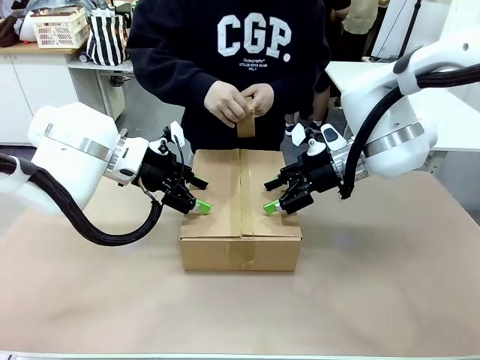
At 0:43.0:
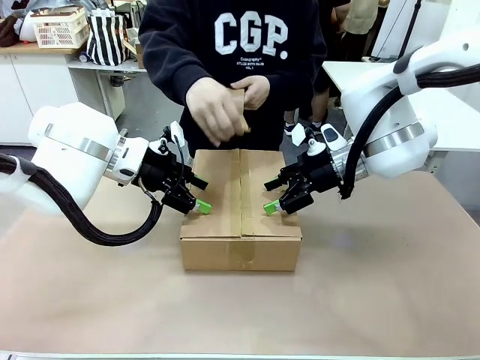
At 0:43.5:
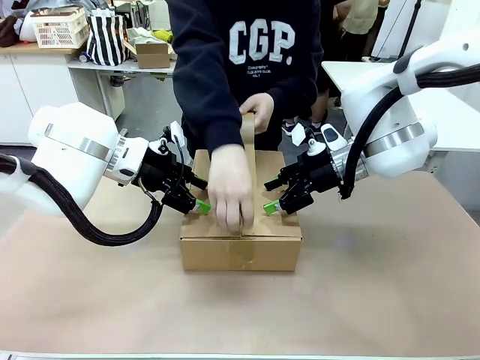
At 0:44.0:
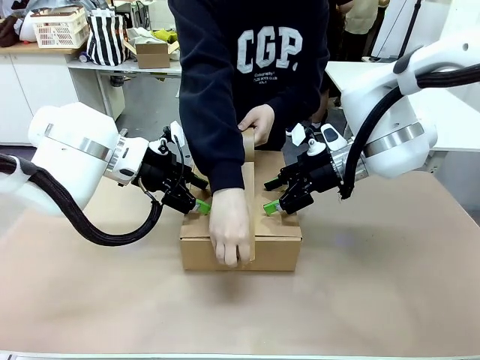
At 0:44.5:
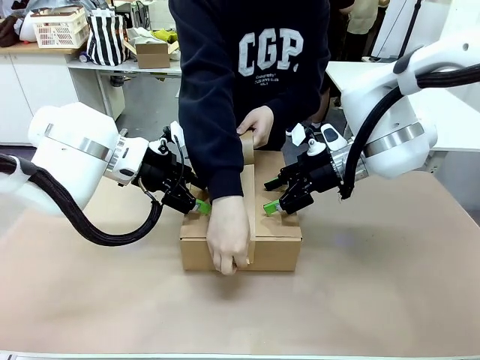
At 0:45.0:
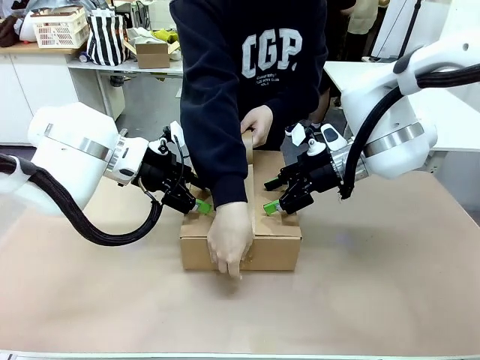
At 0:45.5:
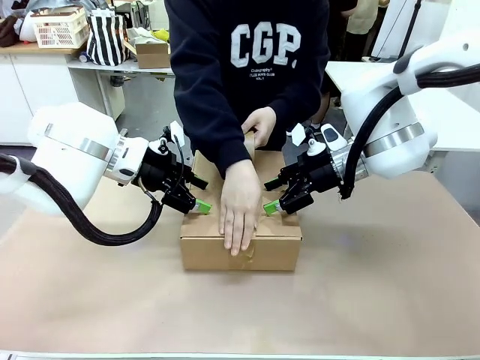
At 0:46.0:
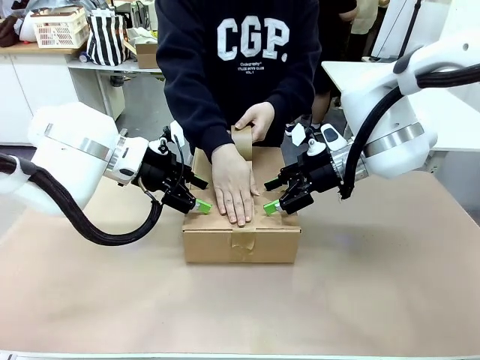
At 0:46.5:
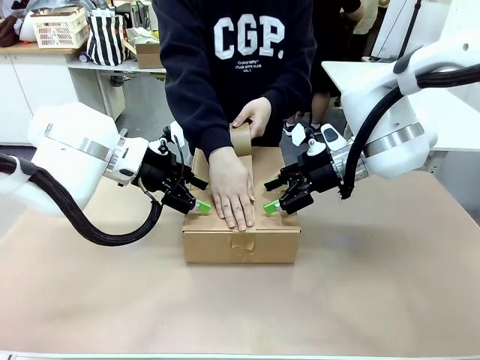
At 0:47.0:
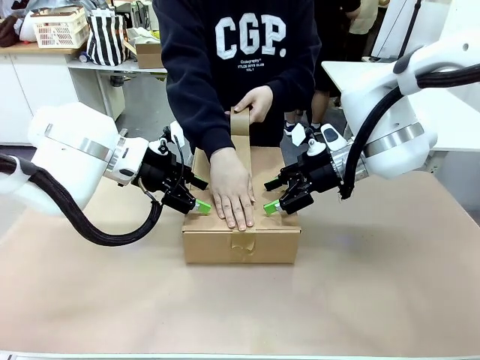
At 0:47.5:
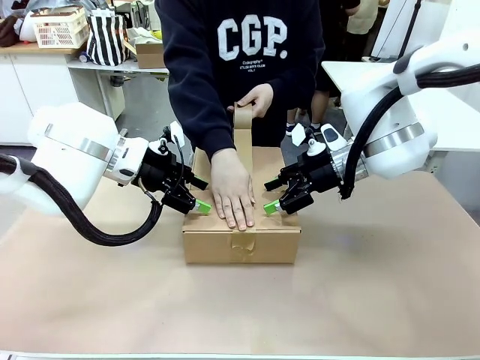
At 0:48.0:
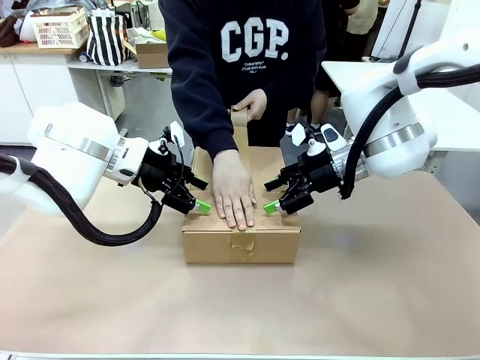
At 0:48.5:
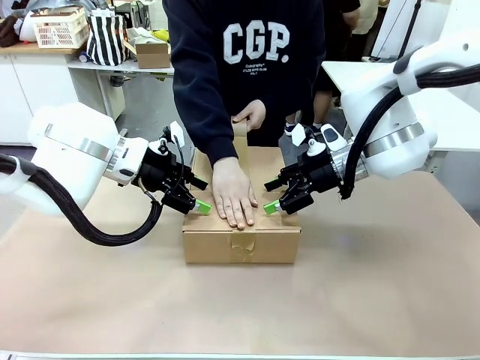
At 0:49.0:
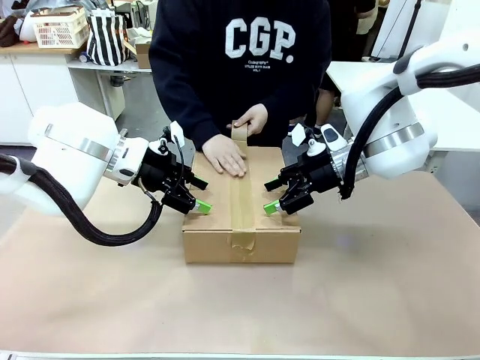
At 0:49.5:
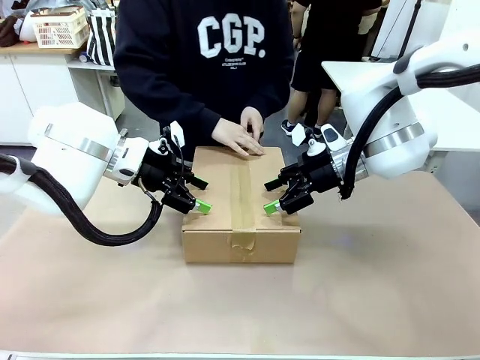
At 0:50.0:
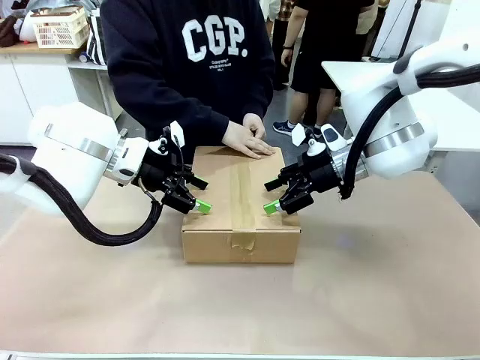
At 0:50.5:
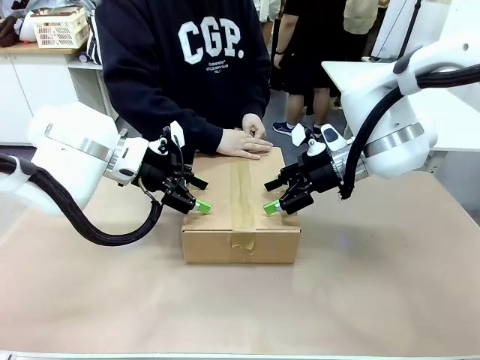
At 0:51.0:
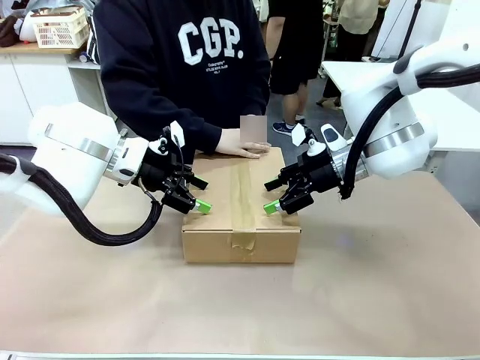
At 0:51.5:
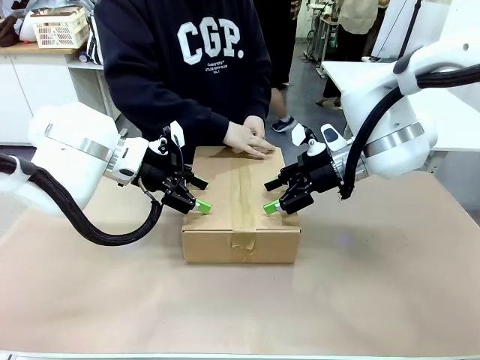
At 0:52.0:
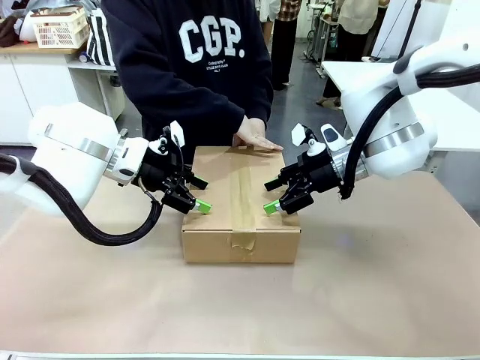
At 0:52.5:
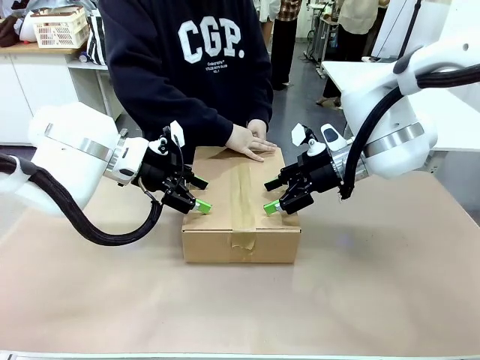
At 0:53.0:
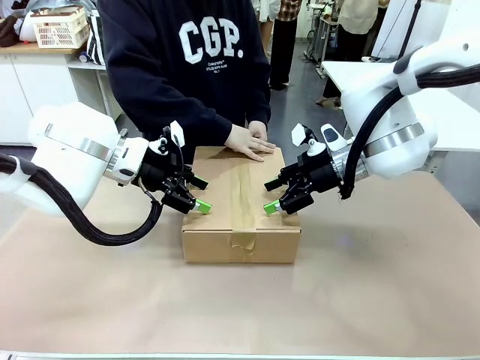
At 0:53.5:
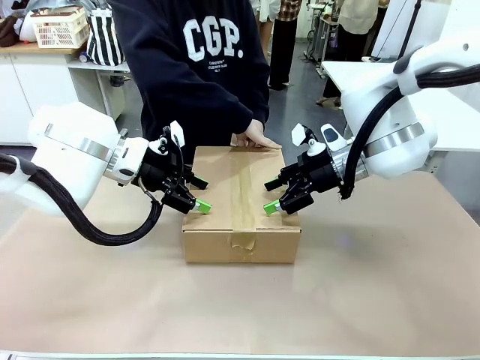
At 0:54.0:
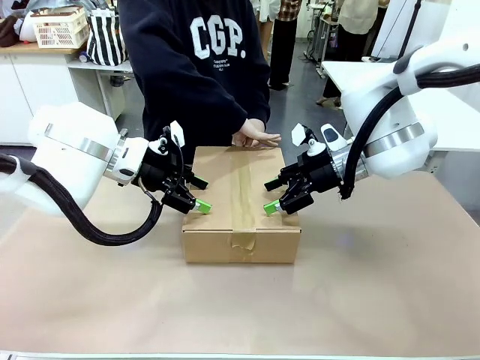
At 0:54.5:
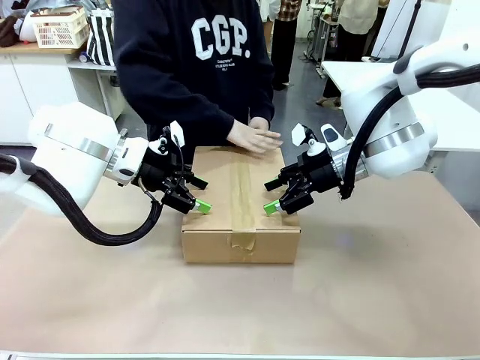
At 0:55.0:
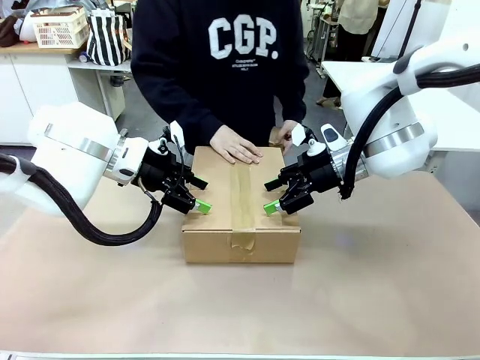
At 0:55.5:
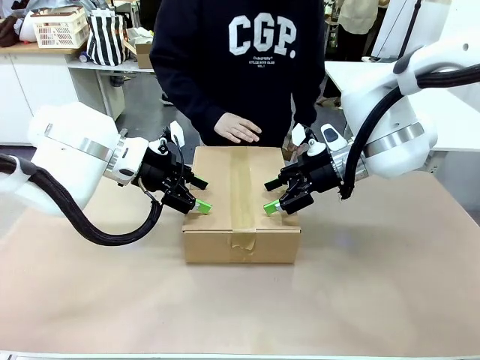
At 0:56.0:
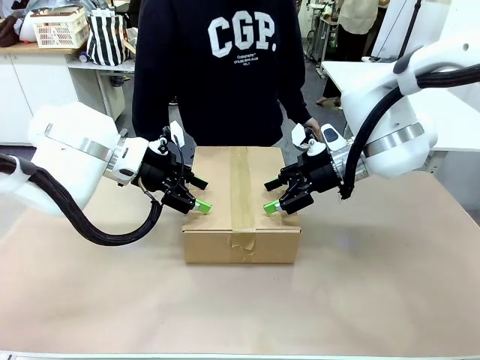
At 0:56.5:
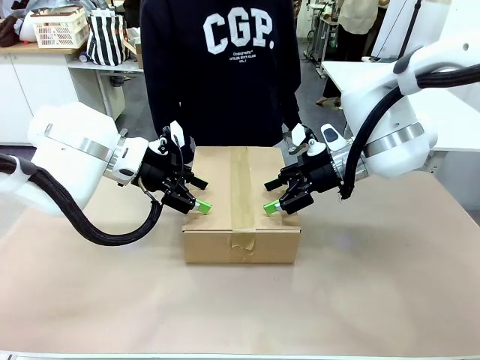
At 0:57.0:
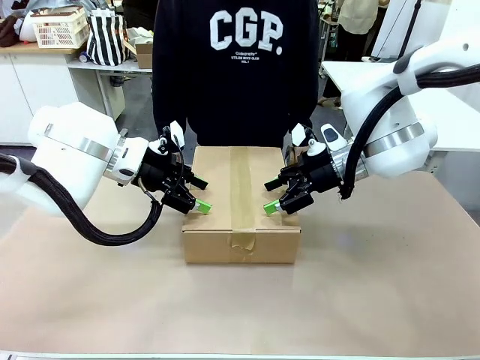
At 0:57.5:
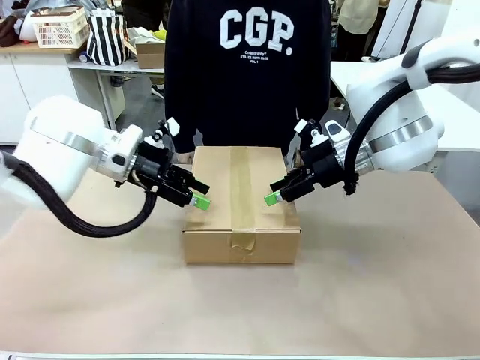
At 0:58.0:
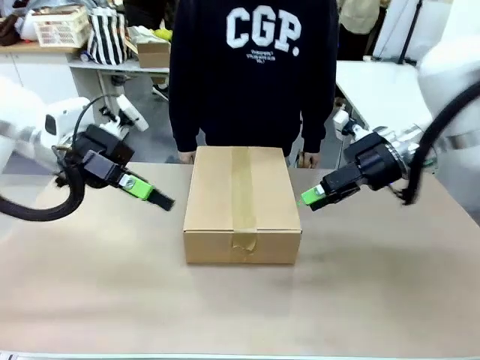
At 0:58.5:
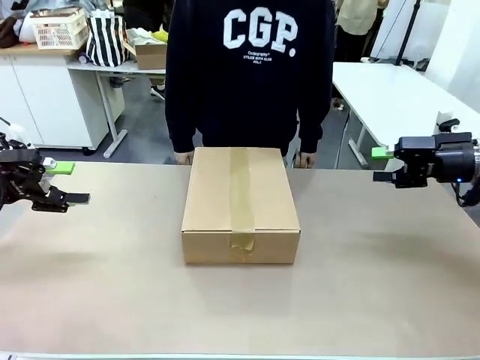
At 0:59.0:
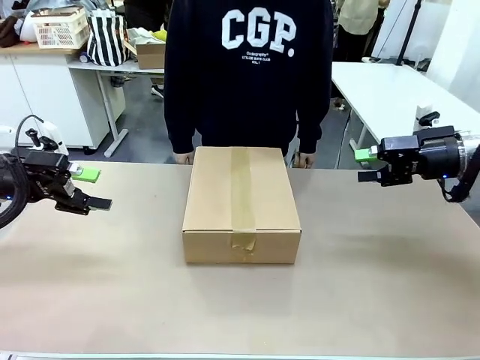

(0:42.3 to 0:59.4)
Task: Pack the gift set into the box.
Robot: Press and hold the closed box until the human finishes sealing it.
Person: The human picks up the paper tape from the human table and packs the box.

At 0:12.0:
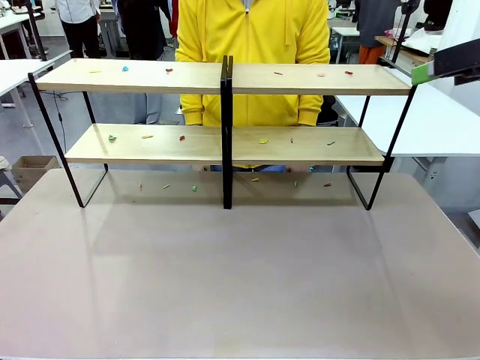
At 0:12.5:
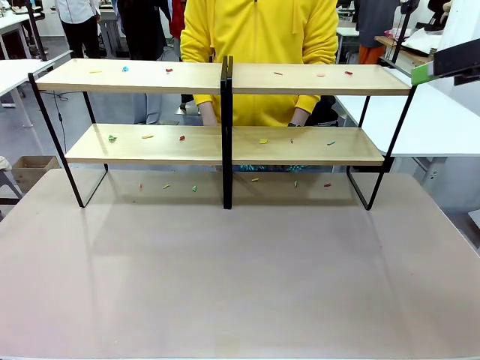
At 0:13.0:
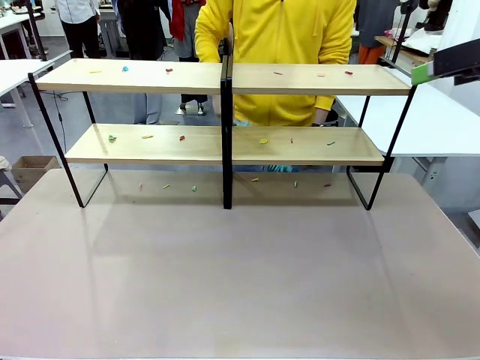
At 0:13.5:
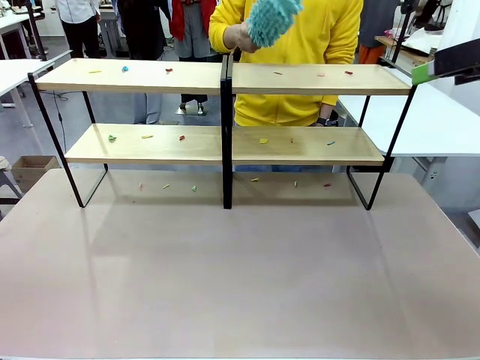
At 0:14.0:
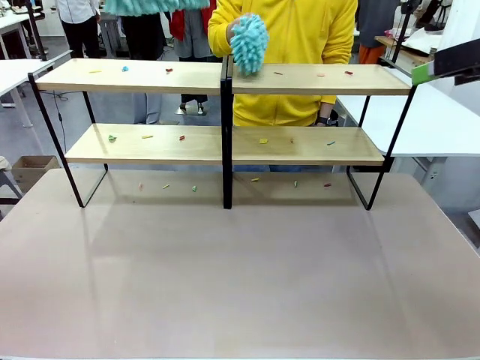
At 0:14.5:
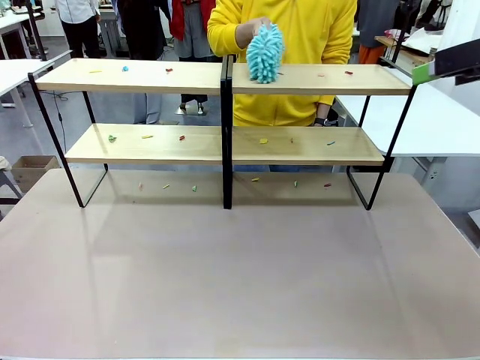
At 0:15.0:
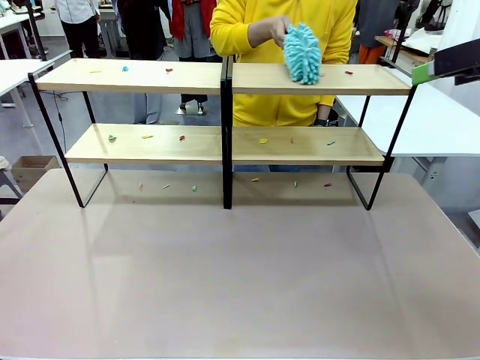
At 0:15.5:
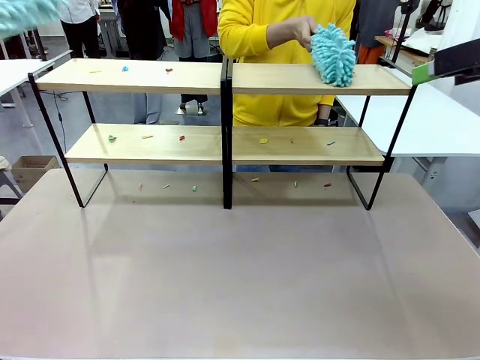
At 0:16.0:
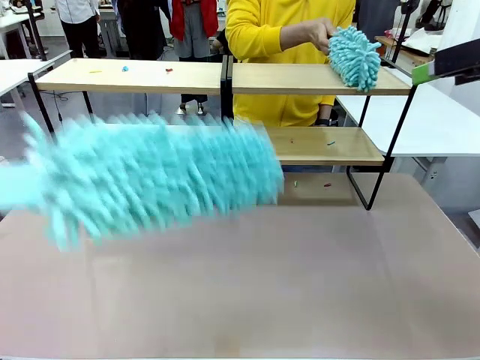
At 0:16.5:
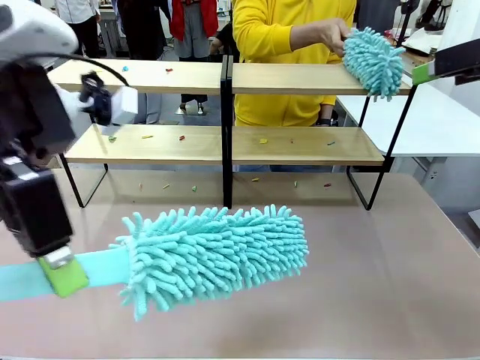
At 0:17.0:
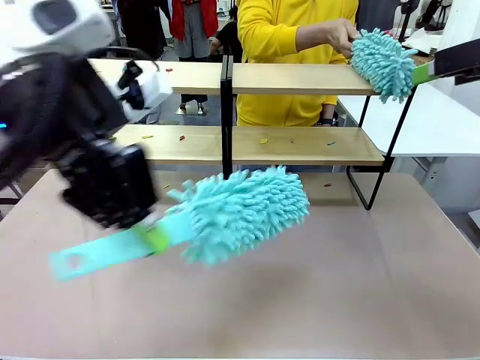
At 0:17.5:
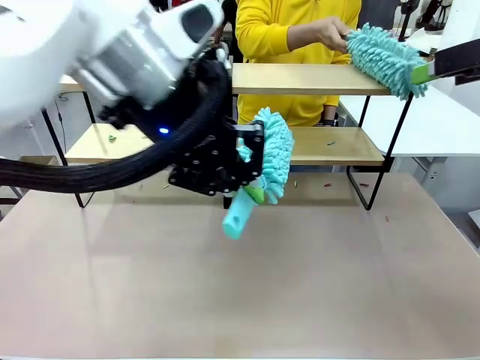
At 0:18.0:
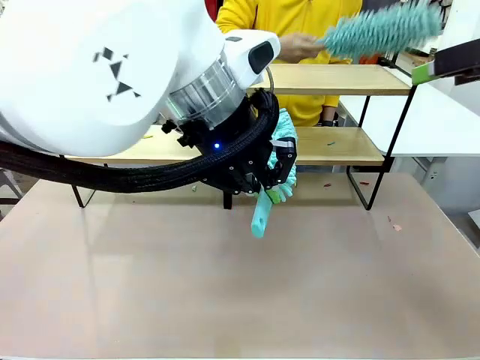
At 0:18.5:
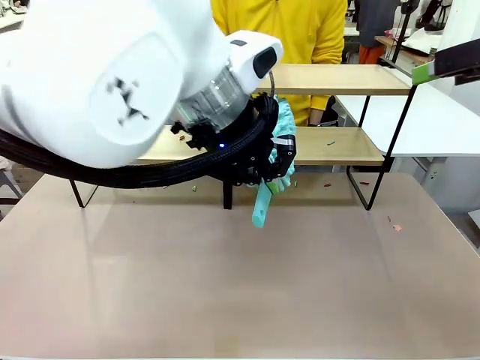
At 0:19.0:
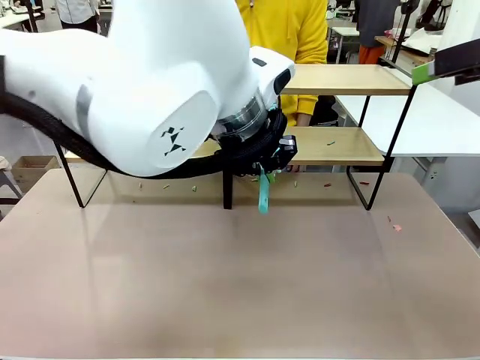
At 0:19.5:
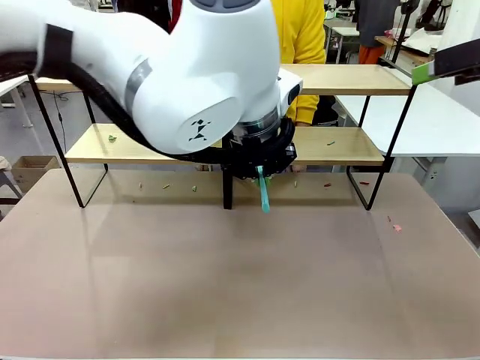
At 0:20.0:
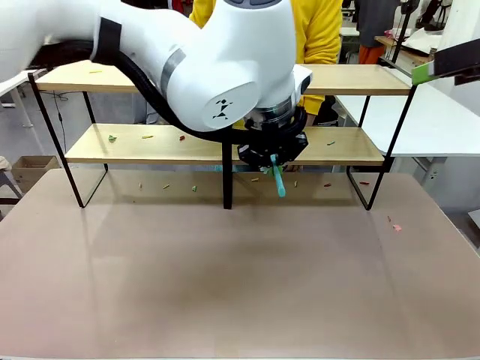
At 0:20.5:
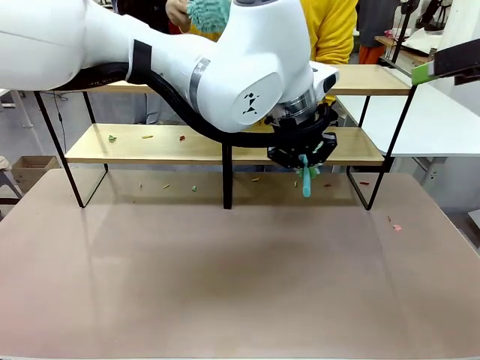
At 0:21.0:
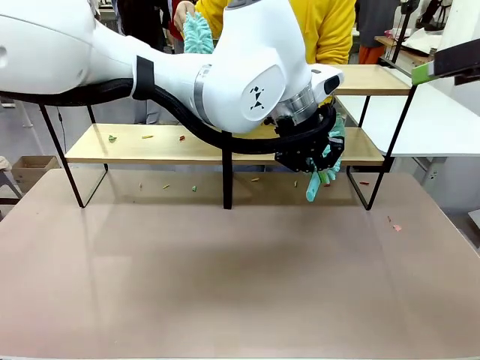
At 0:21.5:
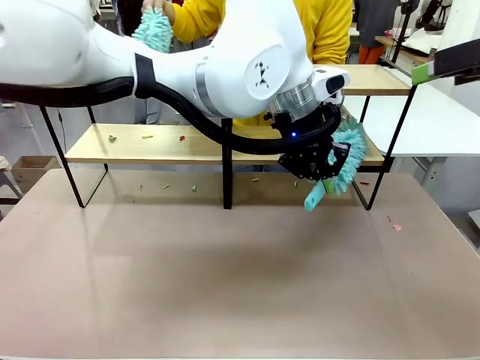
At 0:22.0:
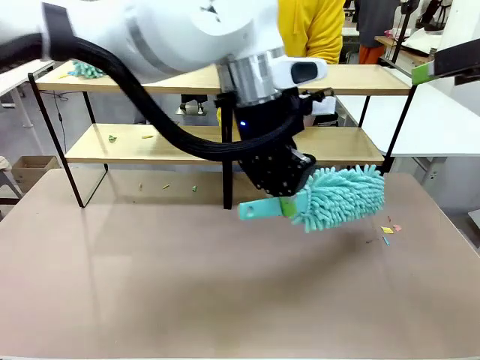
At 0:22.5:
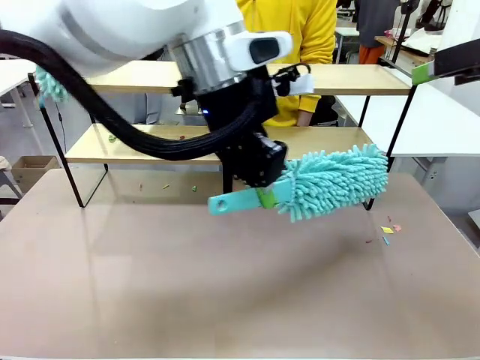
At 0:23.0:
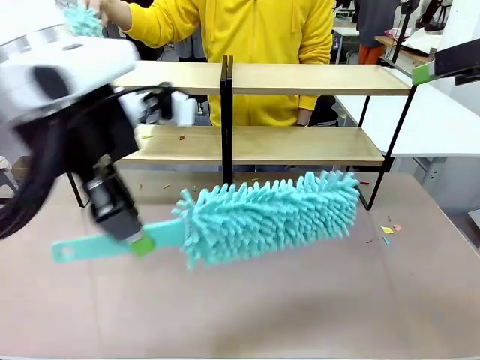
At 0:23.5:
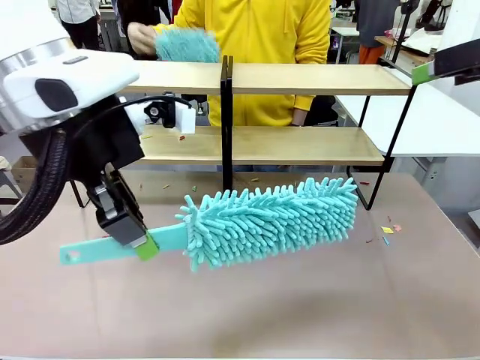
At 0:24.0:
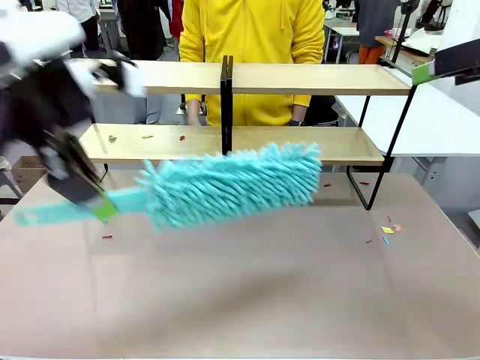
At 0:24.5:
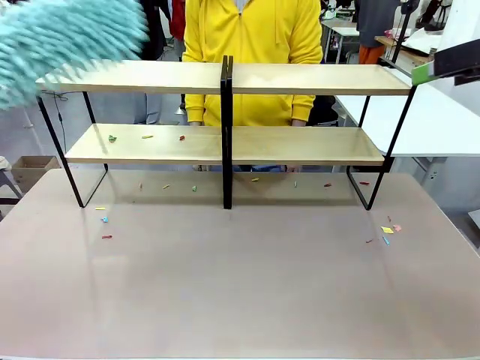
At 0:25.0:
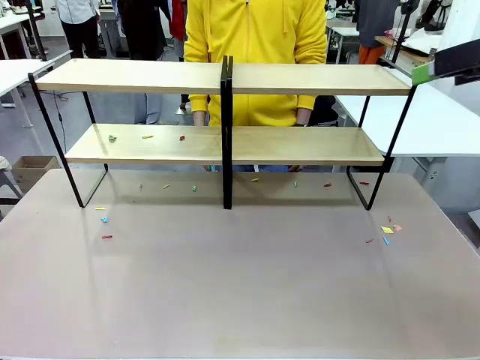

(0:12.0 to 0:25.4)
Task: Clean the shelves.
Robot: Clean a randomly selected level of the Shelf with the Duster.
Person: Clean a randomly selected level of the Shelf with the Duster.
